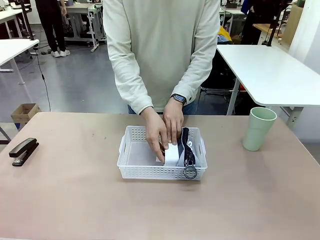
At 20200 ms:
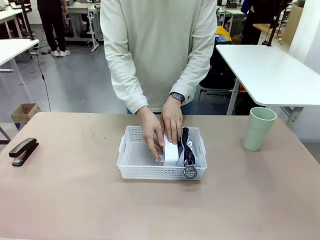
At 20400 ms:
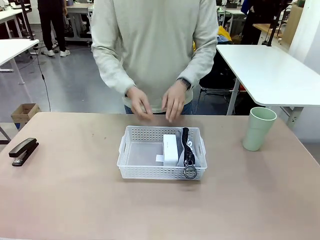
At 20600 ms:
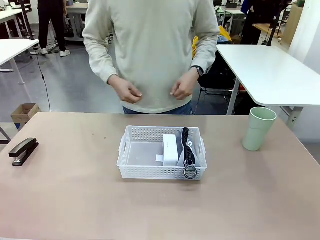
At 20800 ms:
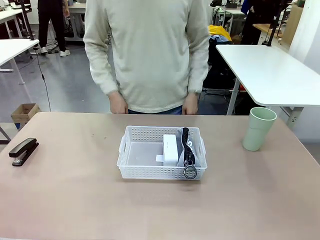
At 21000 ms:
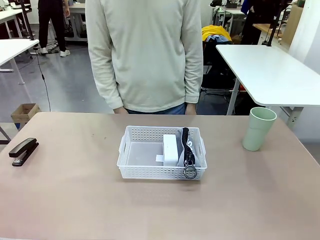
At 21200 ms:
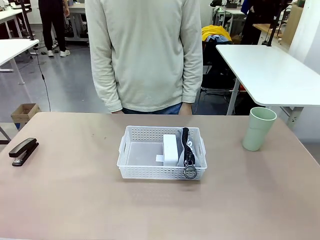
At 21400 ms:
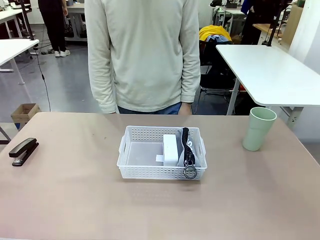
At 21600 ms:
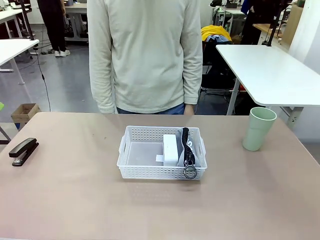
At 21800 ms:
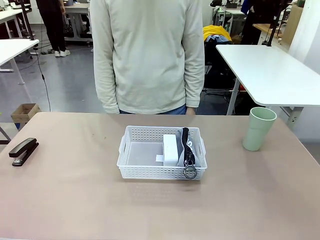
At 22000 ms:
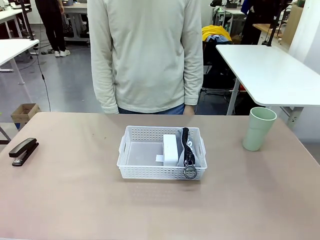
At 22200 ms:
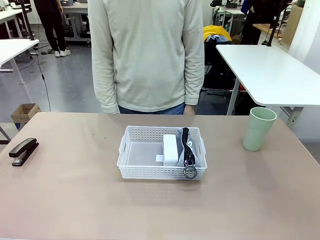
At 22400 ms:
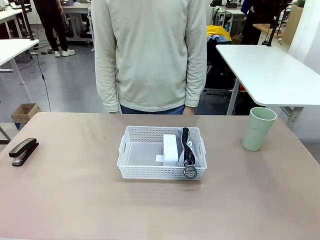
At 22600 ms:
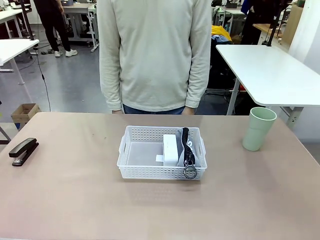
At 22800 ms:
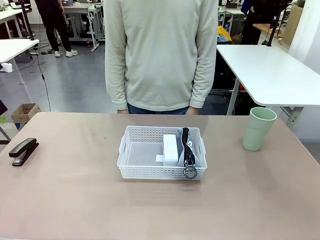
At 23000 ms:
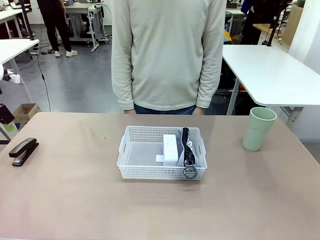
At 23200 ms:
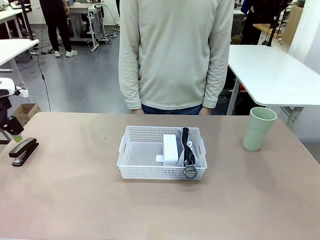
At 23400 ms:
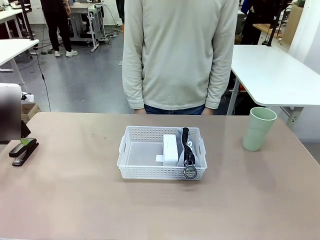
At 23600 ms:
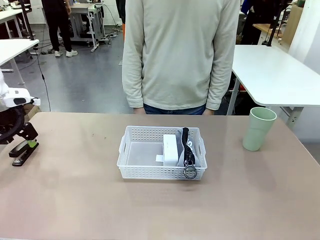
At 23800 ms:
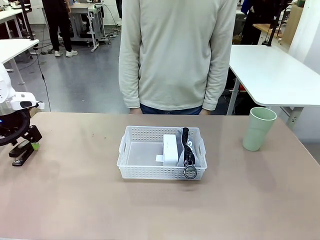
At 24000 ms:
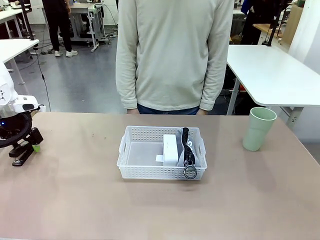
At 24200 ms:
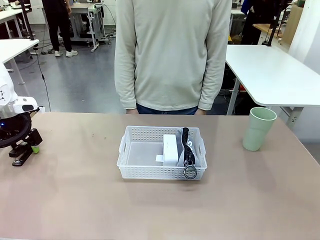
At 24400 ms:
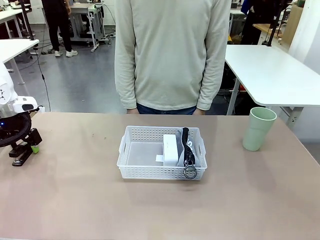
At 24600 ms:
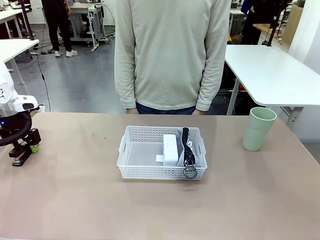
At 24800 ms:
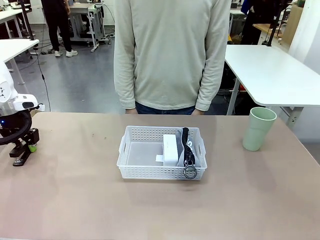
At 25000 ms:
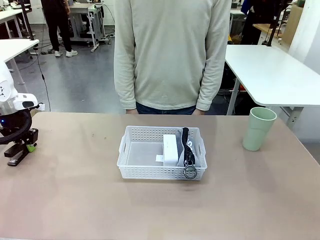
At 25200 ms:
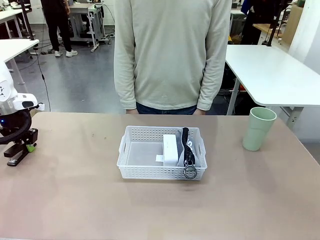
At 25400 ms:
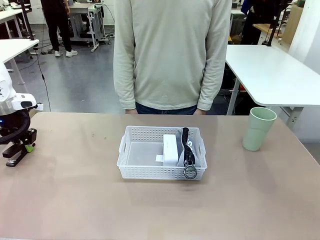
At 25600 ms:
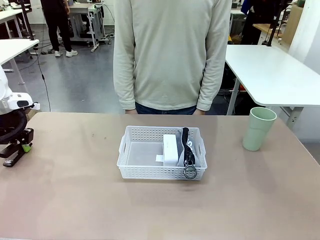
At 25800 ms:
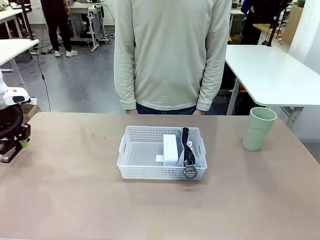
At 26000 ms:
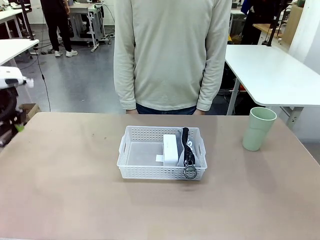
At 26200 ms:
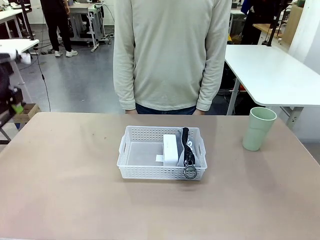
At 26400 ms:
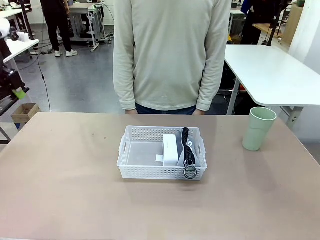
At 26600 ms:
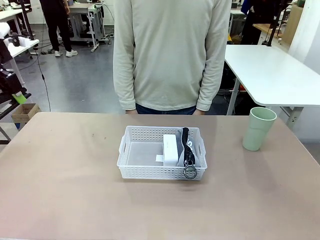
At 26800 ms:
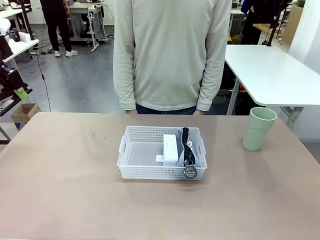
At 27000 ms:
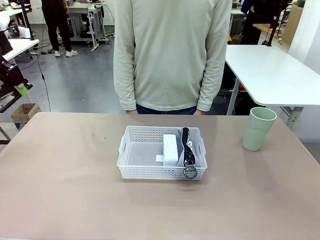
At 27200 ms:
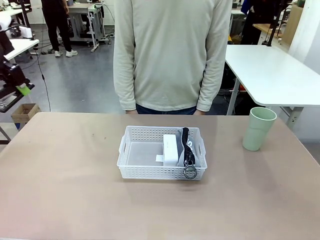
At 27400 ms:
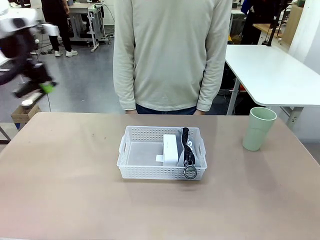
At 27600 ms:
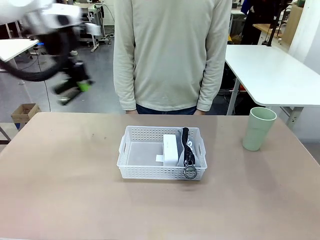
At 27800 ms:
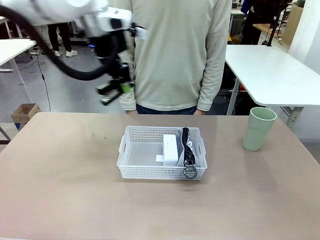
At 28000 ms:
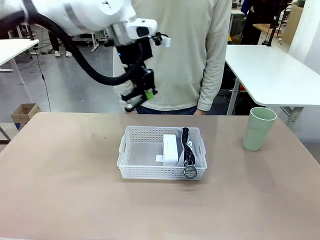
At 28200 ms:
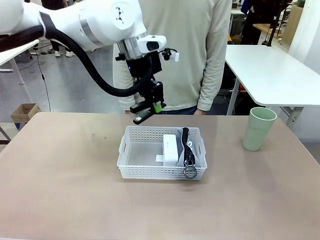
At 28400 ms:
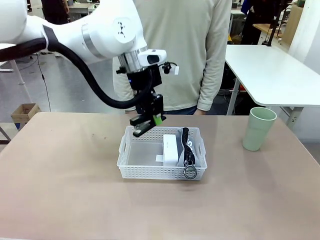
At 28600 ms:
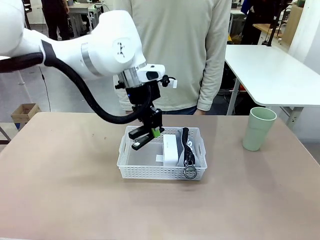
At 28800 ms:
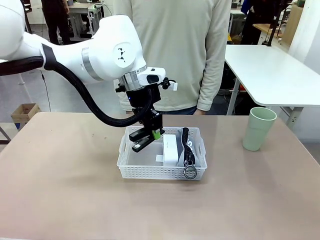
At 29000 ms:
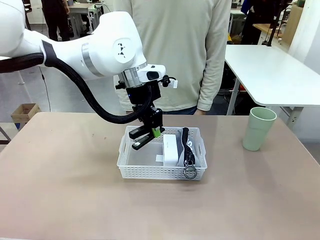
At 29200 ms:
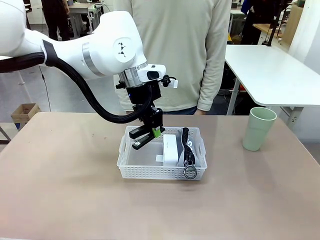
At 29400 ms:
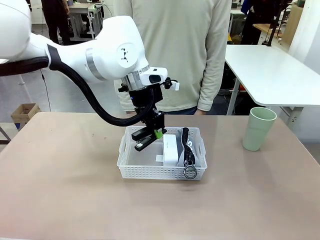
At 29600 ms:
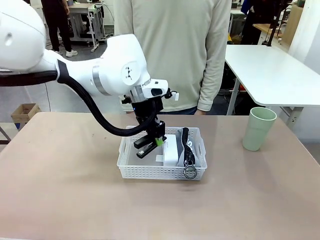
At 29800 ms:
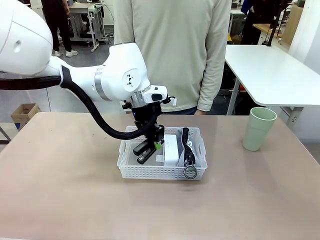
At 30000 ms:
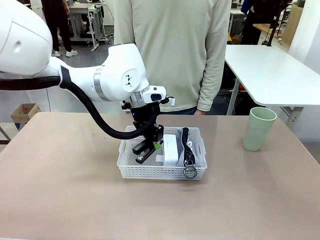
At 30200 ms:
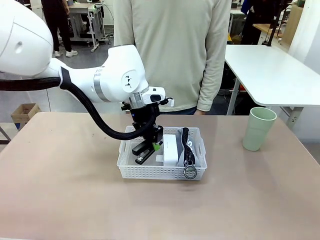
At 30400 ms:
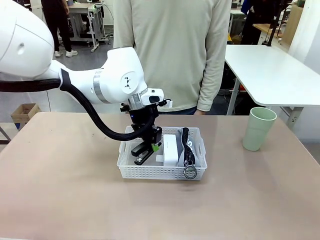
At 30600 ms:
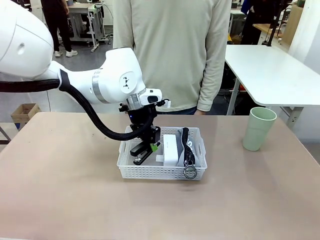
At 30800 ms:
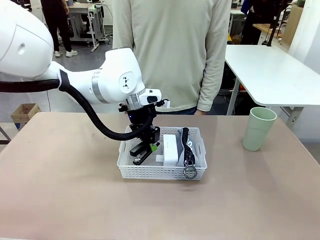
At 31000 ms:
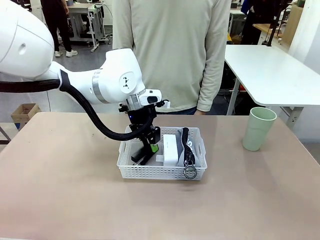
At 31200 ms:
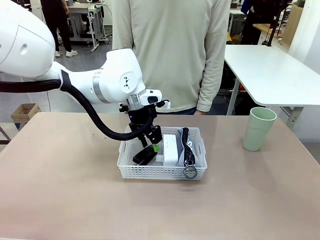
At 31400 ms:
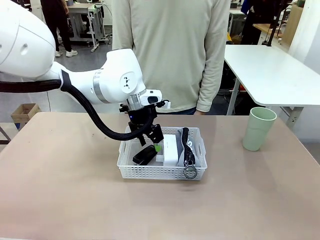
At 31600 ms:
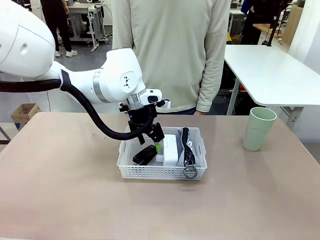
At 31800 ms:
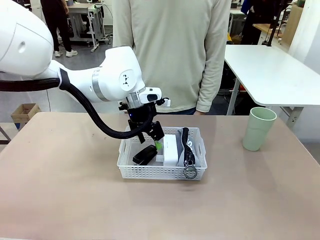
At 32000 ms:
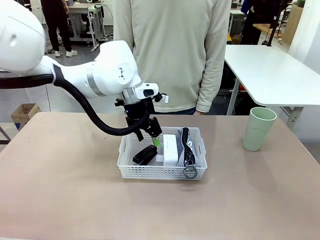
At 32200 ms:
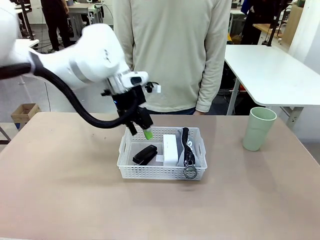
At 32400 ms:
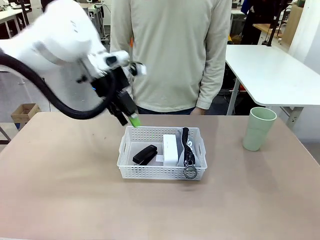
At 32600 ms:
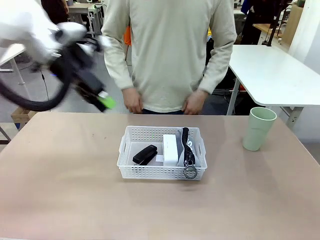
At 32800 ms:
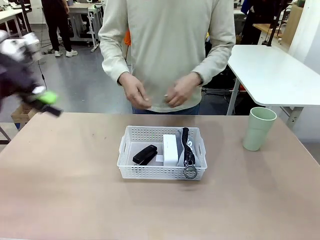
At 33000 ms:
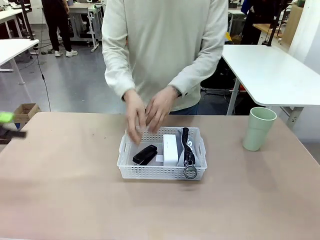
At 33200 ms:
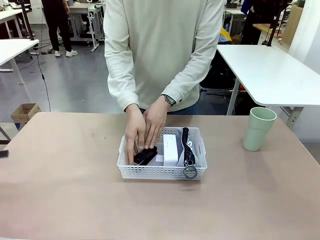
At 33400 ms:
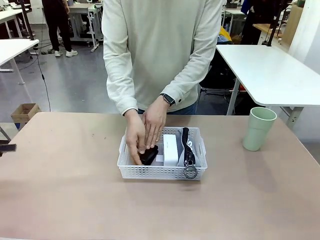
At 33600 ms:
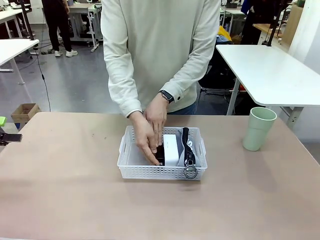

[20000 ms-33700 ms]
Task: Efficiently arrange items inside the basket to fit them all.
Robot: Pick up the Stapler and place it inside the Organizing basket.

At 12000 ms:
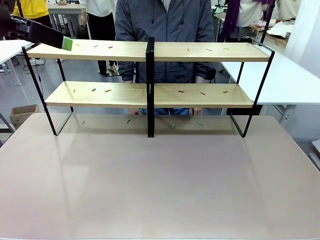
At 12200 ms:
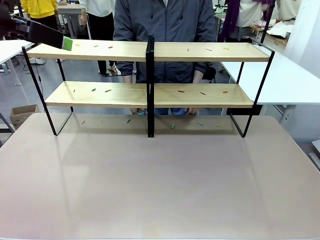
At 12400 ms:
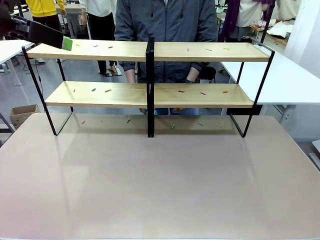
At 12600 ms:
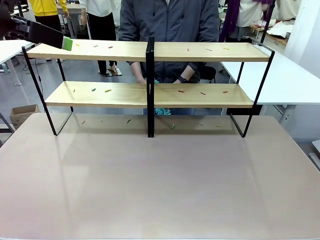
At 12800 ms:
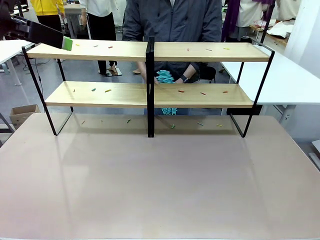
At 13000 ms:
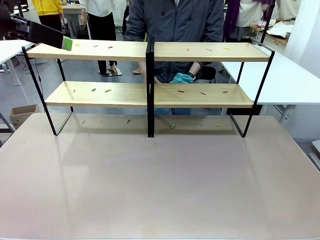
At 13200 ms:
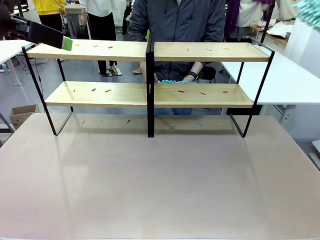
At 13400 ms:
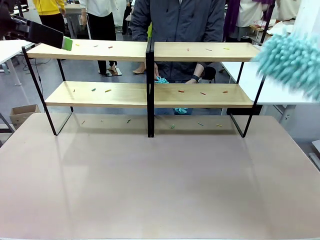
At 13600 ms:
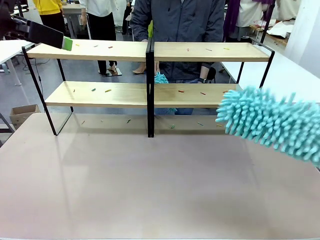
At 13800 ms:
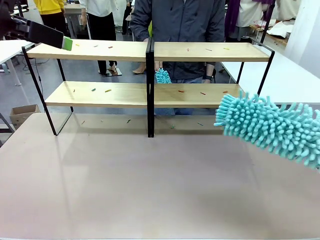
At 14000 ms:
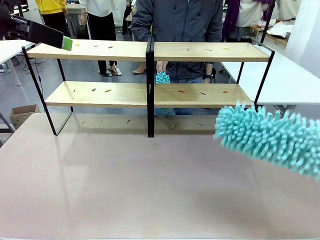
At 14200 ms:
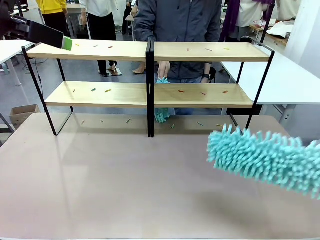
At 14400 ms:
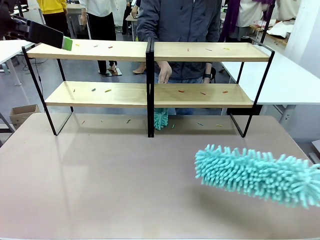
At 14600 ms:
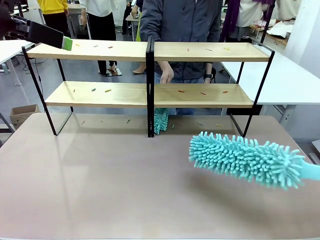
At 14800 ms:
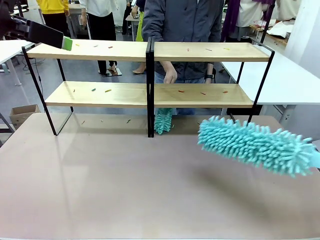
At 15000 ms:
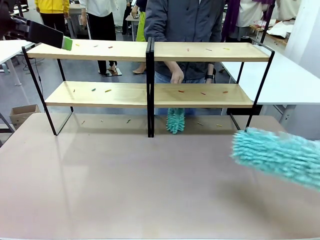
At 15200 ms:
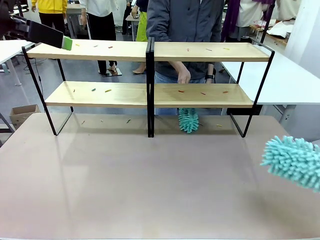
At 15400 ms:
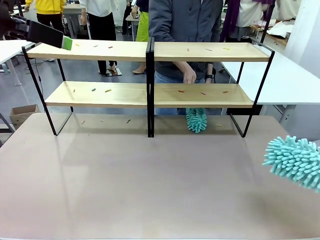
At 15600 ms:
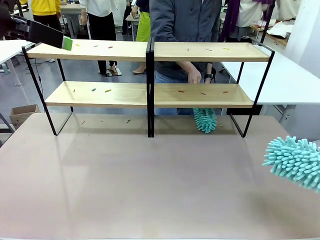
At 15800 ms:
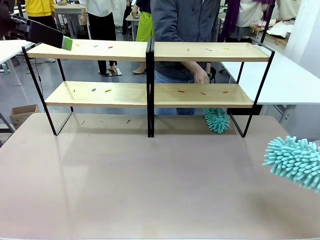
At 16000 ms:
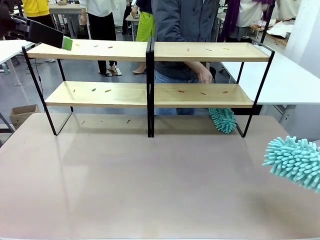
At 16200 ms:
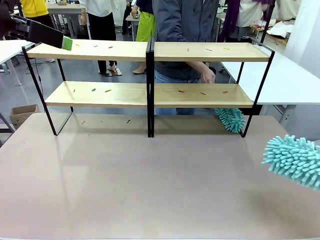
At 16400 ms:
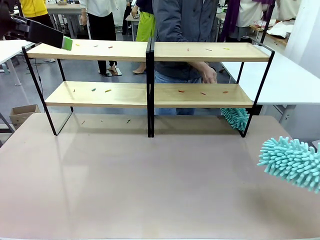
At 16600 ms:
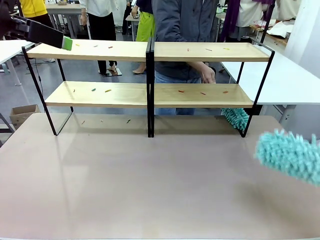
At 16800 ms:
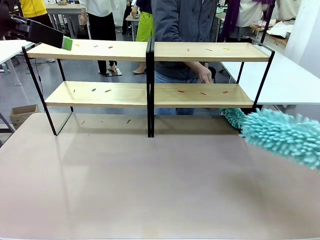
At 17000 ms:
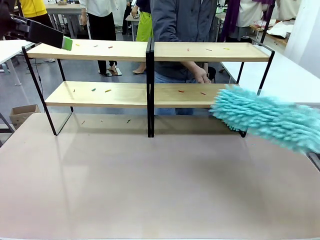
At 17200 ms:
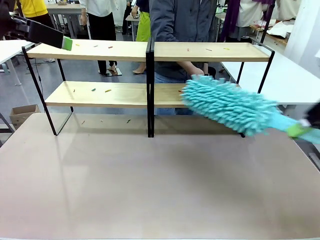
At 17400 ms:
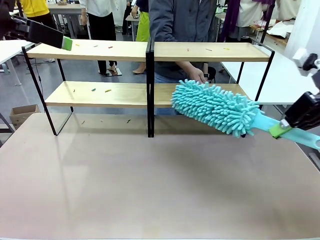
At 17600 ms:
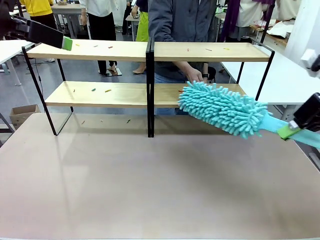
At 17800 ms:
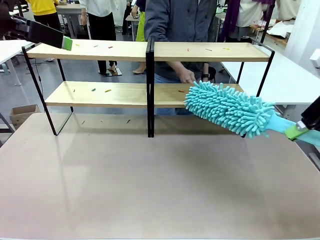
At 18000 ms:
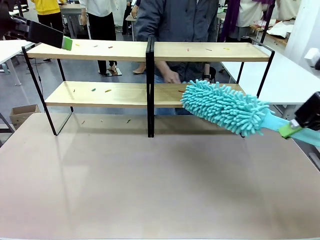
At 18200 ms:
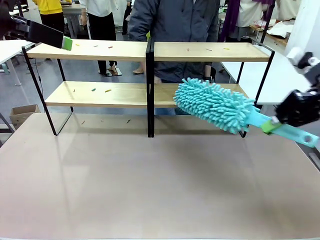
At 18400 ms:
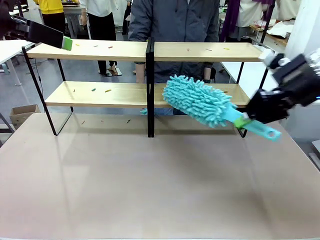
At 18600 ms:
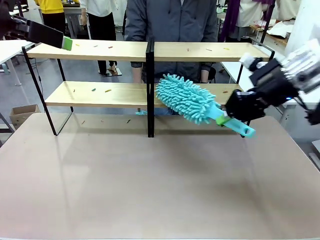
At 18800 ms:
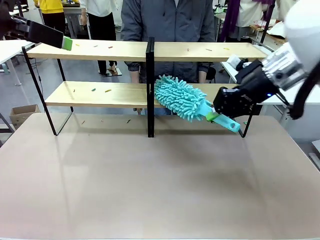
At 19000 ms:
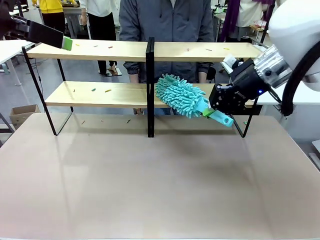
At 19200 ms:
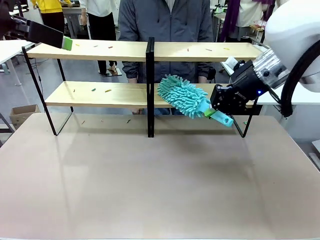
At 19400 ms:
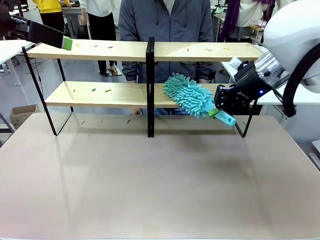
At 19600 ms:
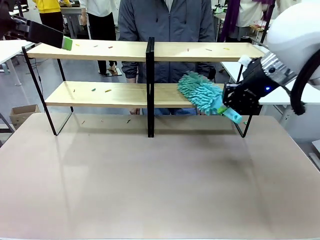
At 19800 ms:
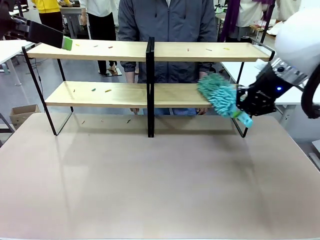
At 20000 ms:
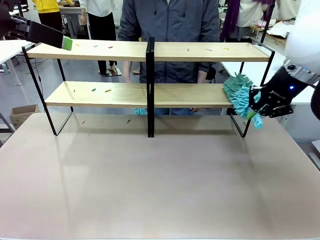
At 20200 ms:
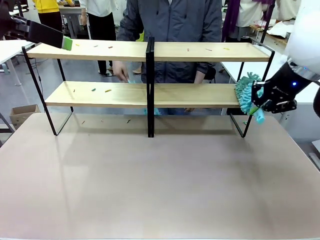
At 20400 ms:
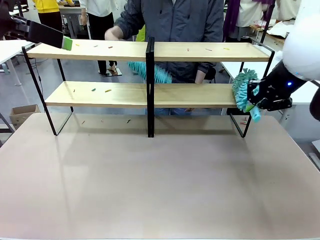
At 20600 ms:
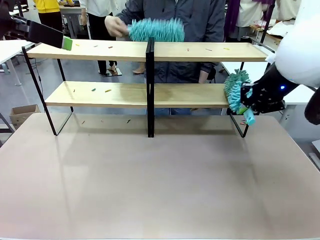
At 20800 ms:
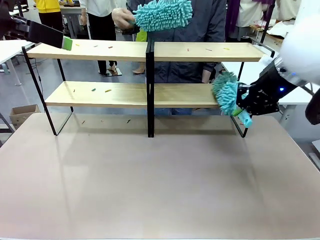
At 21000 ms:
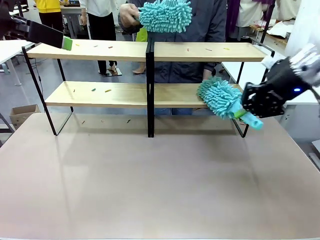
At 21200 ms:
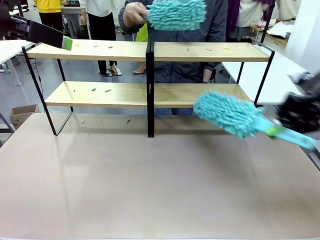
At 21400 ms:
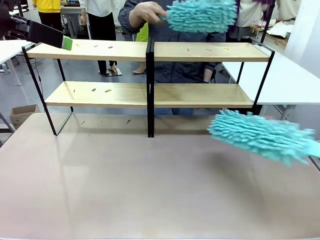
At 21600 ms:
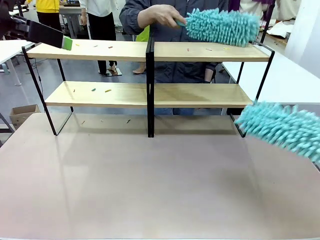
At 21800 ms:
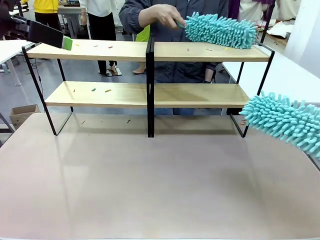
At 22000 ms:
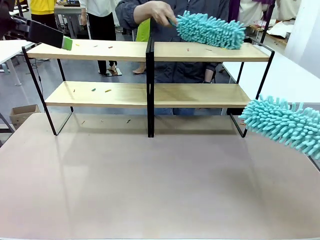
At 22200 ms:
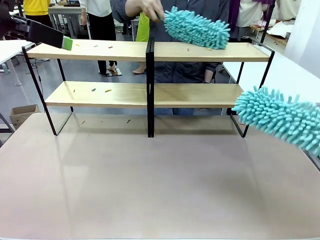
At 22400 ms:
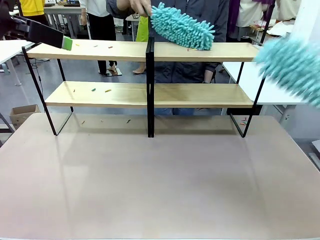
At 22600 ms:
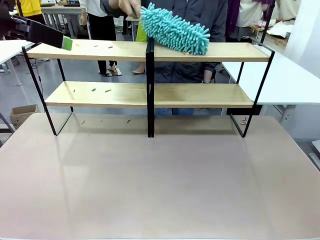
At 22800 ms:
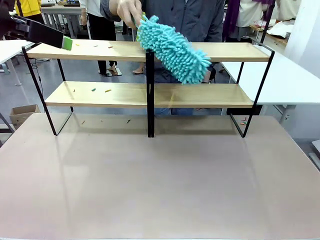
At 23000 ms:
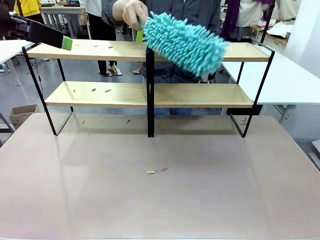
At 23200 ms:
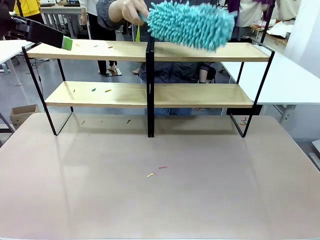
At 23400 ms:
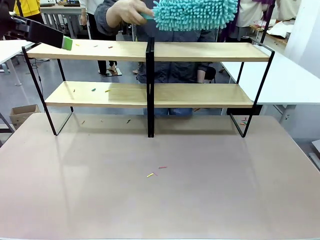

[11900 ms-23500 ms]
Task: Clean the shelves.
Robot: Clean a randomly selected level of the Shelf with the Duster.
